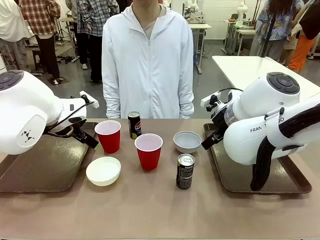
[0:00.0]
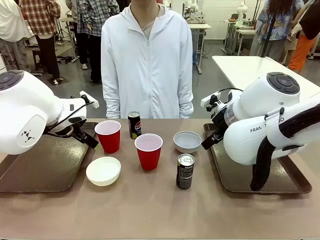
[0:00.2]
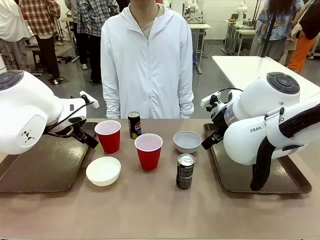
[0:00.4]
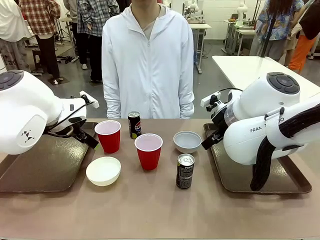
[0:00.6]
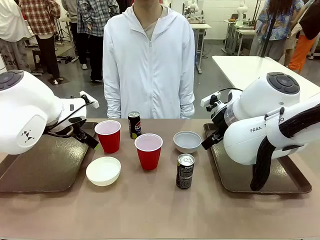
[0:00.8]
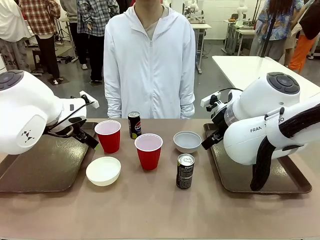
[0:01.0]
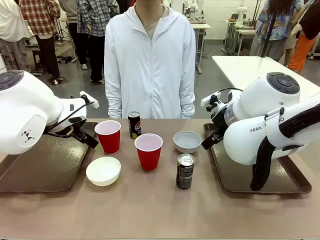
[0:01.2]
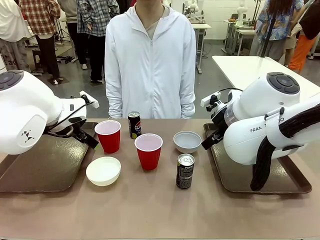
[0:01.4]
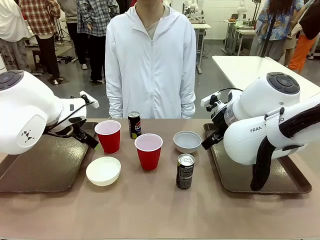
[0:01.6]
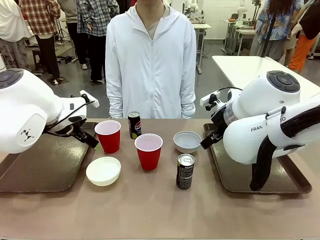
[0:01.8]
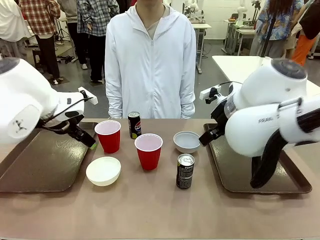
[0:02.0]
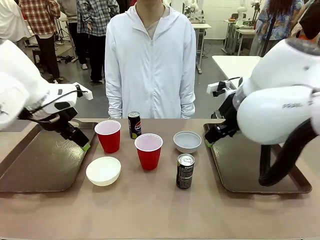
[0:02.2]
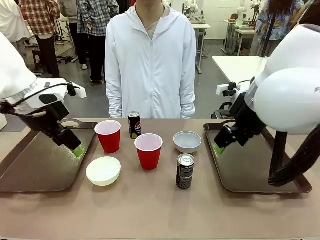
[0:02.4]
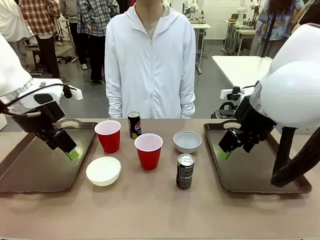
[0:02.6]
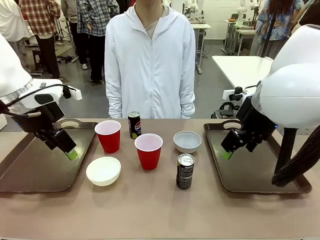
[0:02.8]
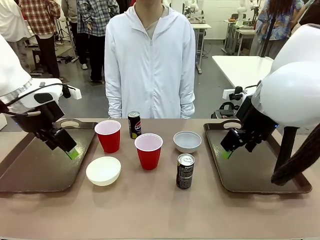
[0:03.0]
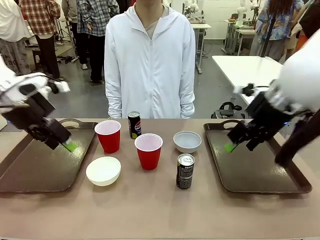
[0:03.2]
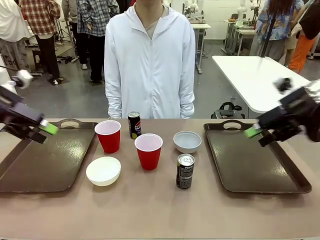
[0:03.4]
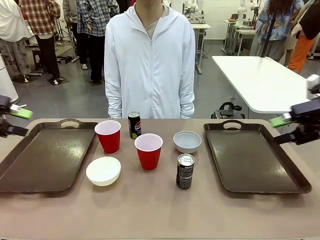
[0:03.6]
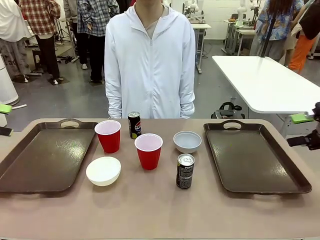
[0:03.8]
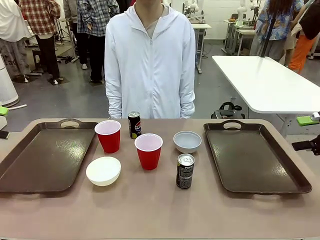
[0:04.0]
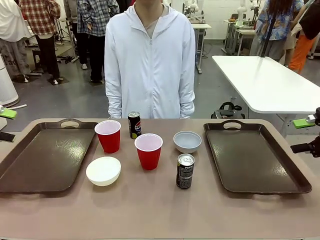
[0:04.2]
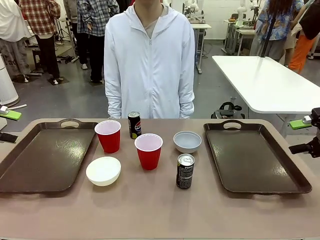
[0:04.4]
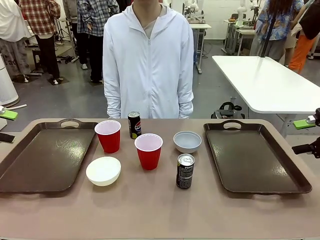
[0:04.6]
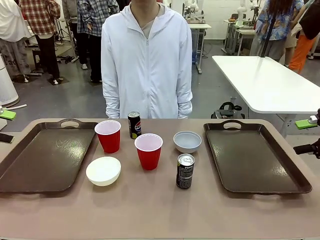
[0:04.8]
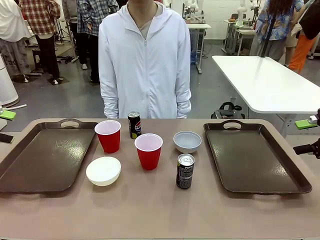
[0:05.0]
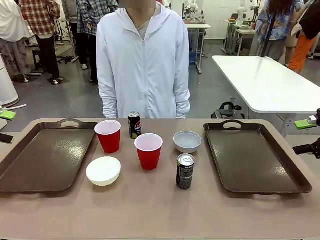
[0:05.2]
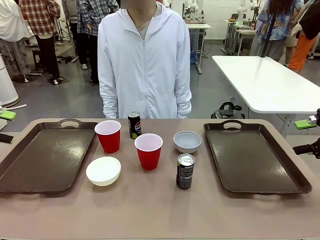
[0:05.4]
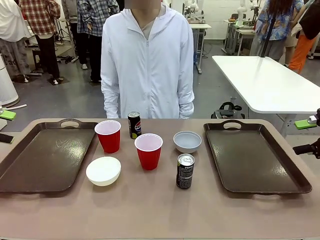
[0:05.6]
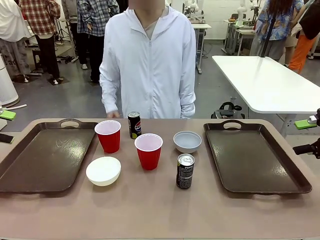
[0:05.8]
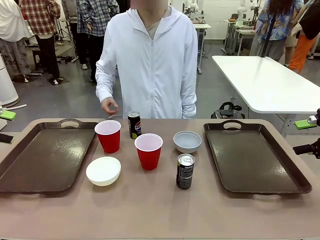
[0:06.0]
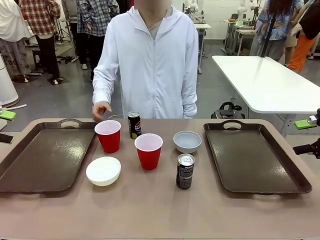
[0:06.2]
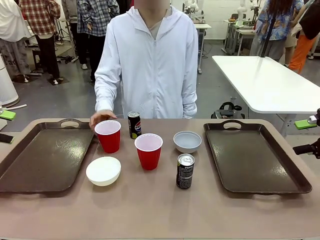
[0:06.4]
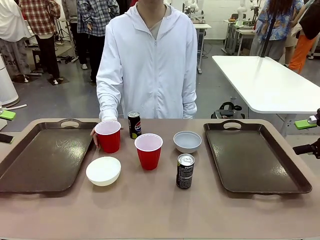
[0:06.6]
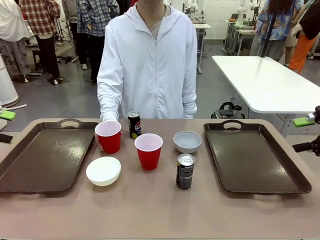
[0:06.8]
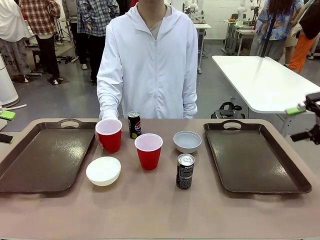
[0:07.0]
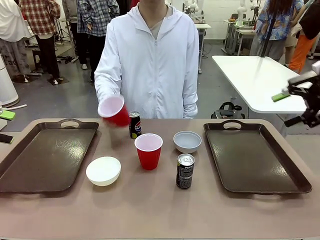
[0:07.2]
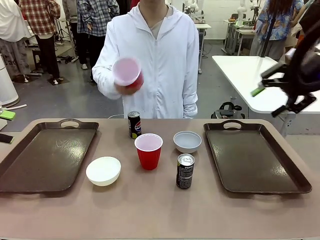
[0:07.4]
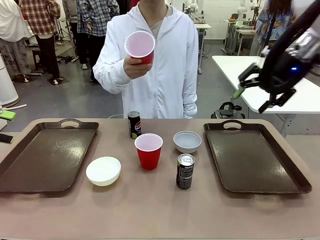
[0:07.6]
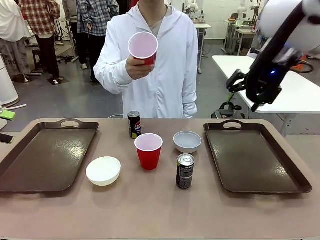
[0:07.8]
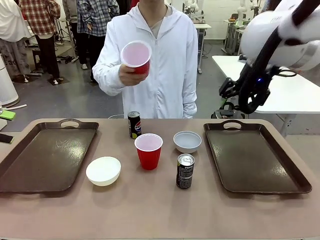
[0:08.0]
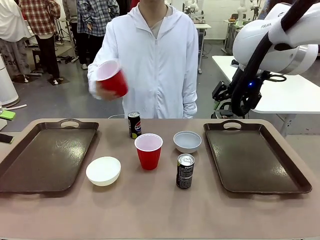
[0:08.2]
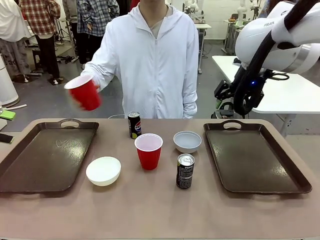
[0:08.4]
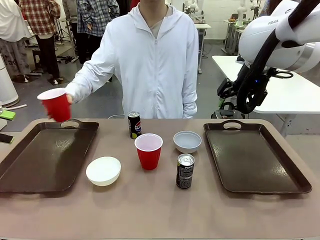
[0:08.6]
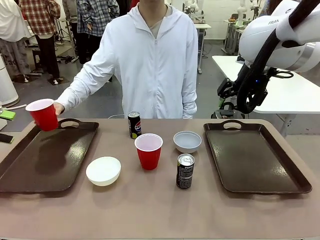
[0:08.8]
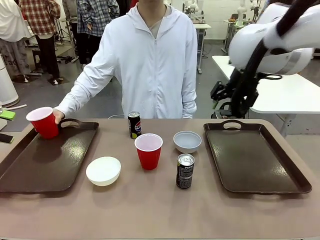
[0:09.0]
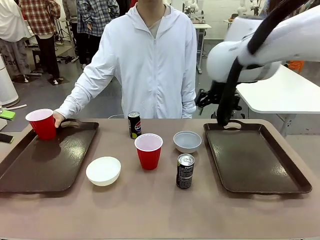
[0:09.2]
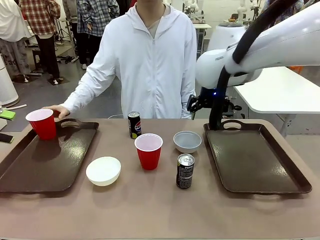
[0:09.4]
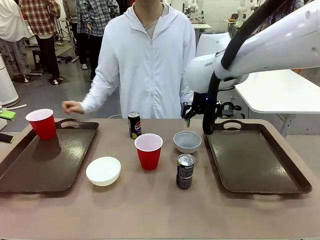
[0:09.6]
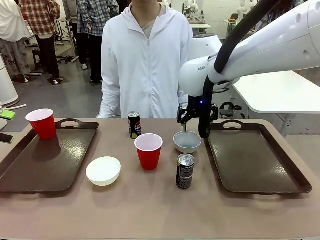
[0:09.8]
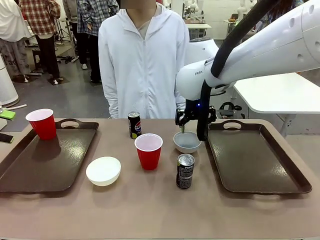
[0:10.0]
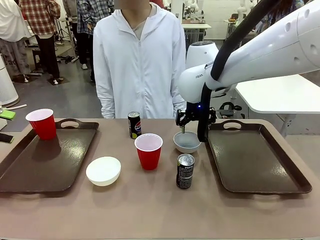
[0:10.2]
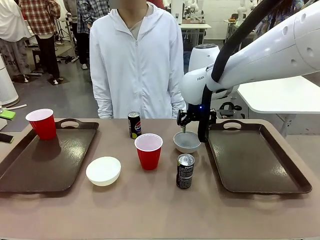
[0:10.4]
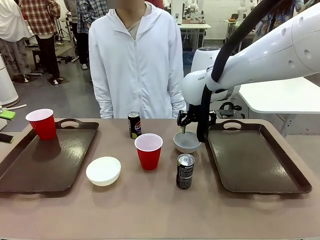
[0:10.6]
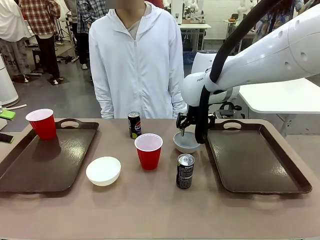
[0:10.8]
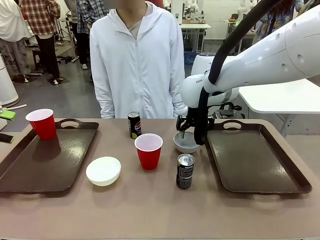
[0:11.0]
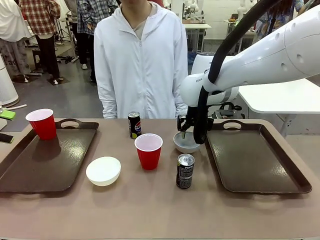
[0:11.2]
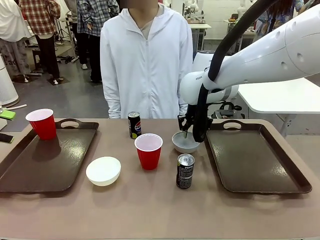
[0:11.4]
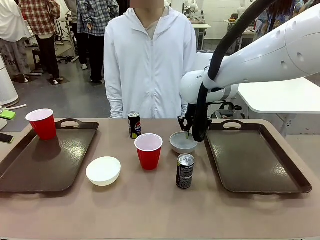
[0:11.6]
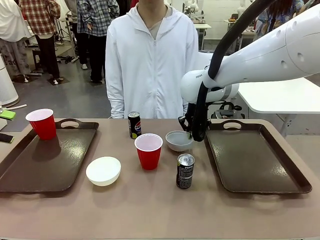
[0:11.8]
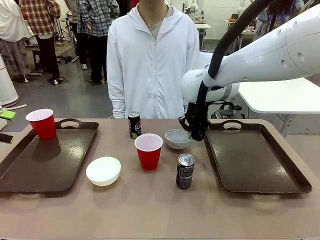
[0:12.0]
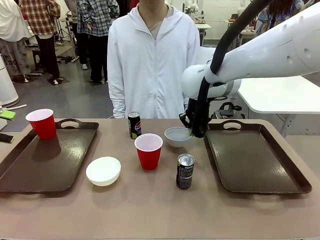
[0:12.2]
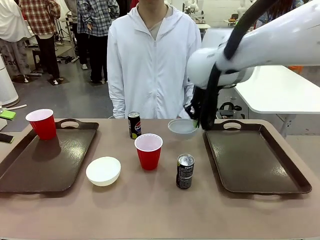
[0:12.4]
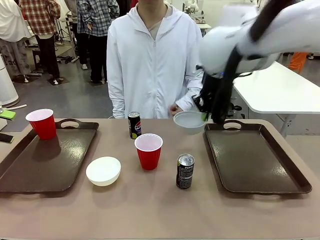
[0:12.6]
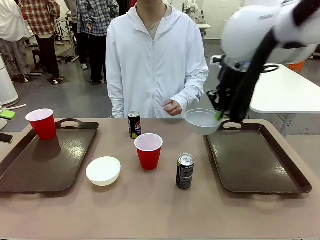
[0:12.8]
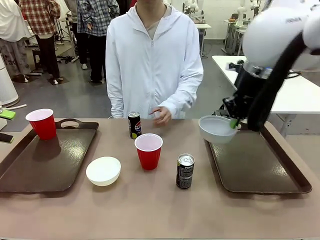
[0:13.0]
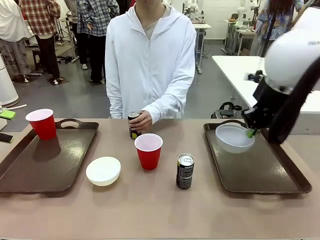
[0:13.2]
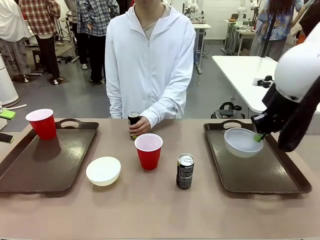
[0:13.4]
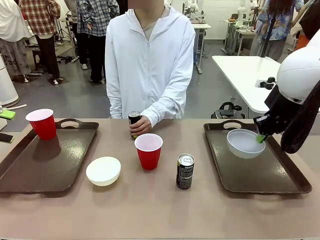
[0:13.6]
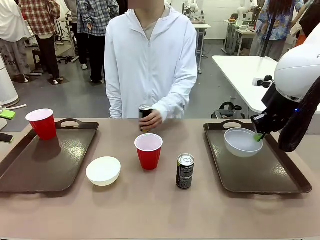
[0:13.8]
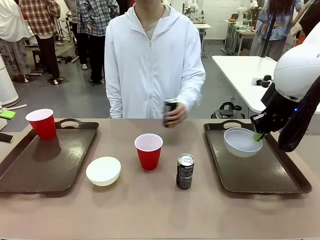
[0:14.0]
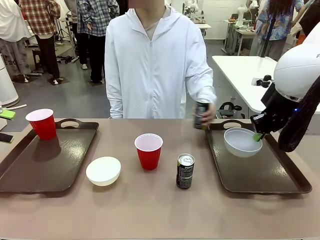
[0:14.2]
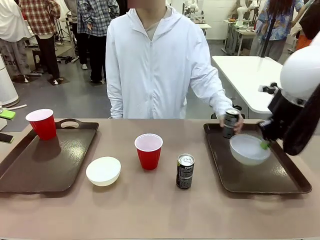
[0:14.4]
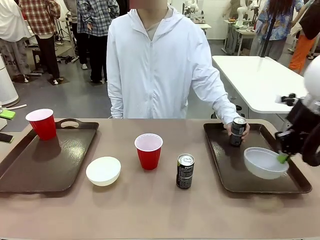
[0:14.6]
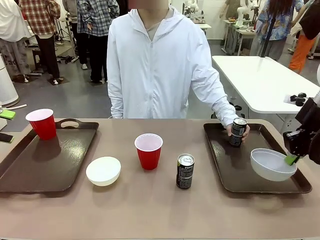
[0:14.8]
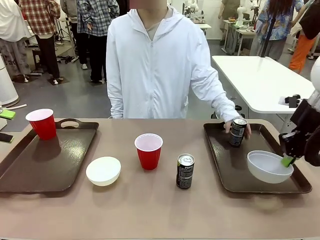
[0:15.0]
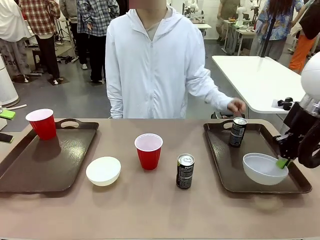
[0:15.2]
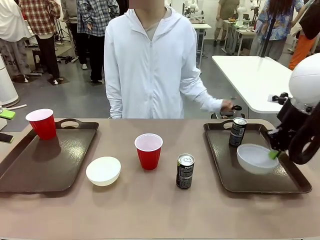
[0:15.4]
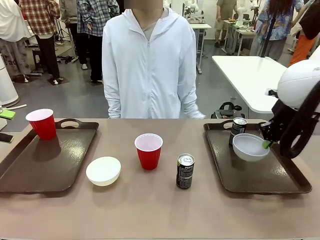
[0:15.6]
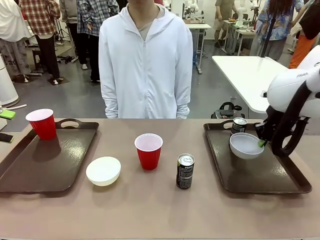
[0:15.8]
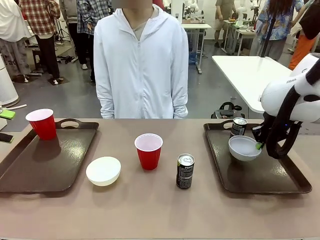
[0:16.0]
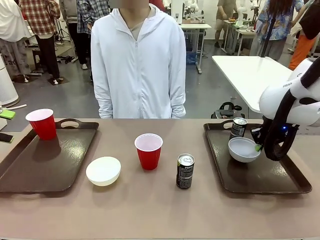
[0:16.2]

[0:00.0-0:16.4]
Task: Prepare tableware on both trays.
Robot: Pick up a Picnic Bowl from the table and place it on a Handle tray.
Person: Pick up a can or cup and place it on the tray.
